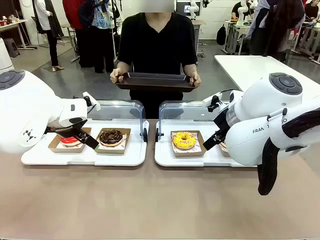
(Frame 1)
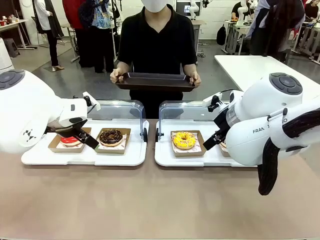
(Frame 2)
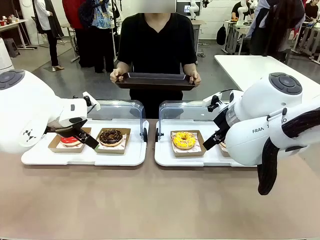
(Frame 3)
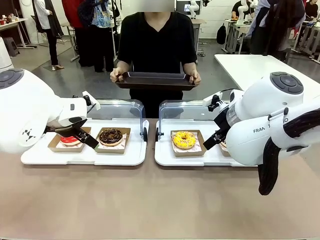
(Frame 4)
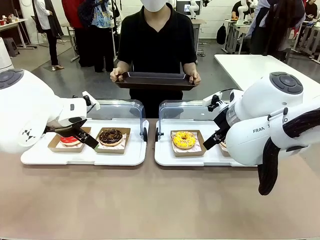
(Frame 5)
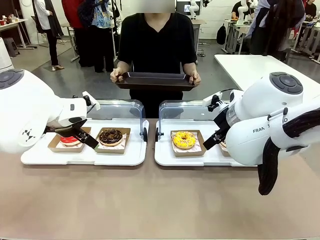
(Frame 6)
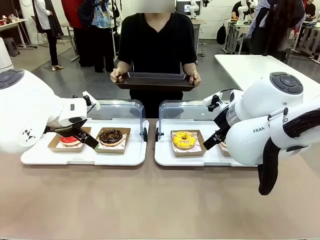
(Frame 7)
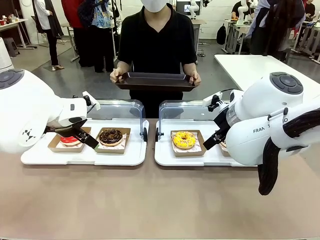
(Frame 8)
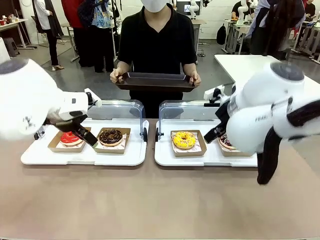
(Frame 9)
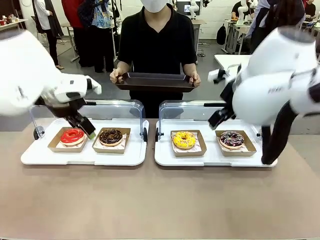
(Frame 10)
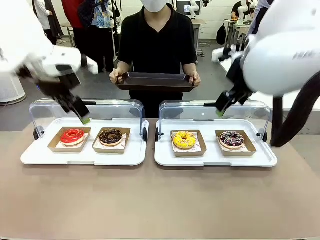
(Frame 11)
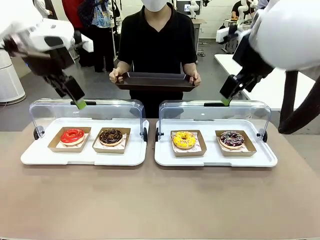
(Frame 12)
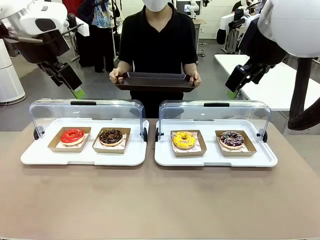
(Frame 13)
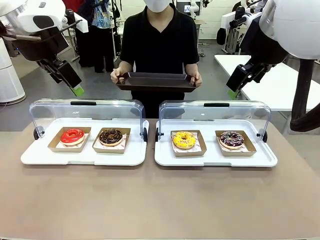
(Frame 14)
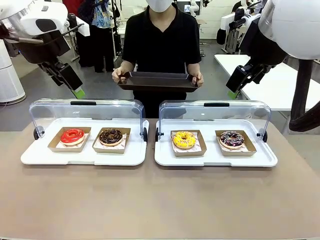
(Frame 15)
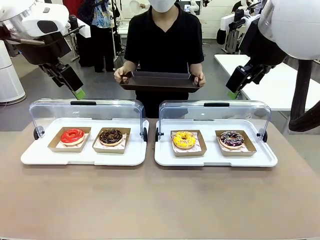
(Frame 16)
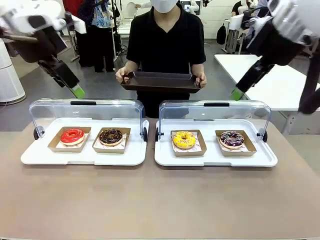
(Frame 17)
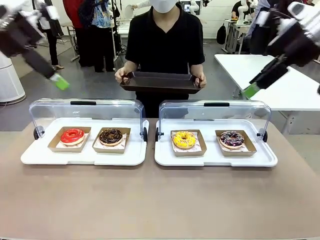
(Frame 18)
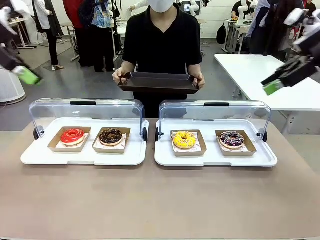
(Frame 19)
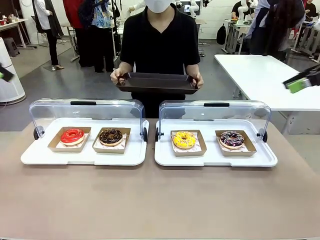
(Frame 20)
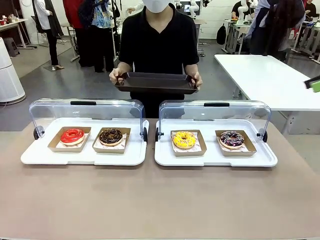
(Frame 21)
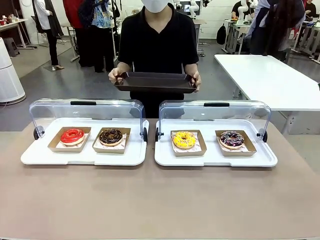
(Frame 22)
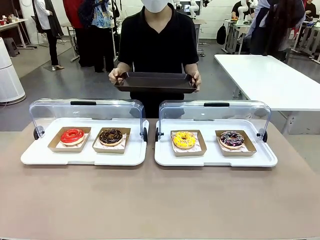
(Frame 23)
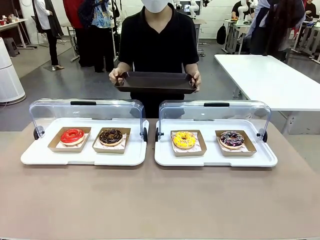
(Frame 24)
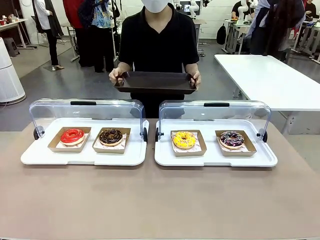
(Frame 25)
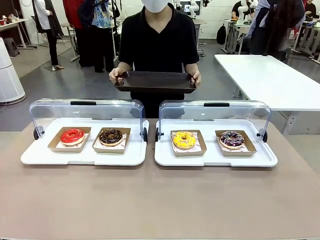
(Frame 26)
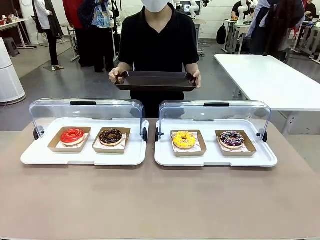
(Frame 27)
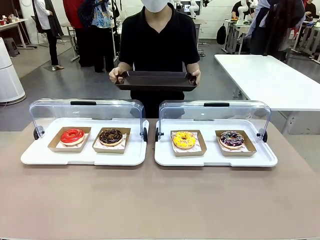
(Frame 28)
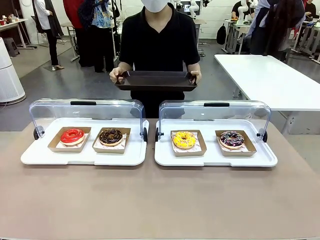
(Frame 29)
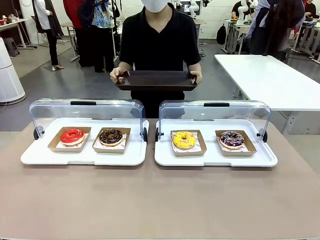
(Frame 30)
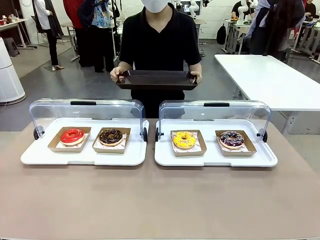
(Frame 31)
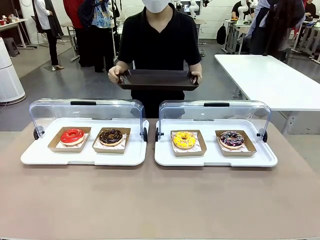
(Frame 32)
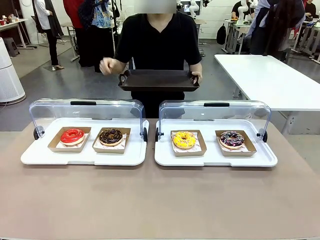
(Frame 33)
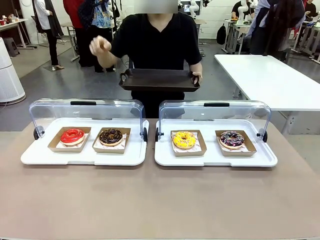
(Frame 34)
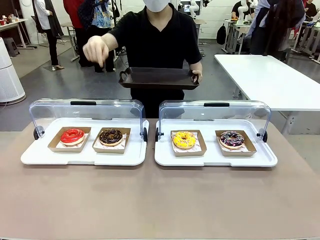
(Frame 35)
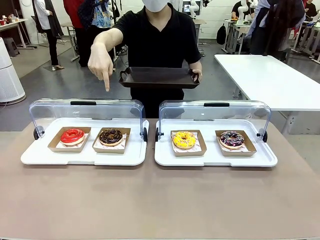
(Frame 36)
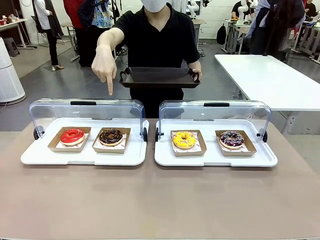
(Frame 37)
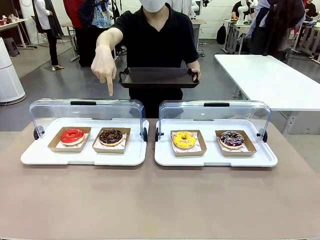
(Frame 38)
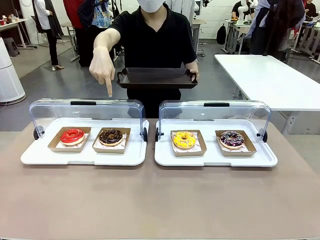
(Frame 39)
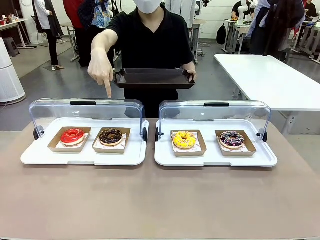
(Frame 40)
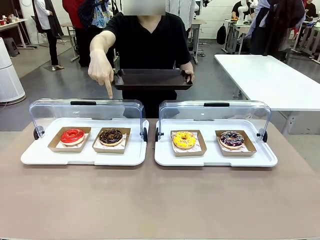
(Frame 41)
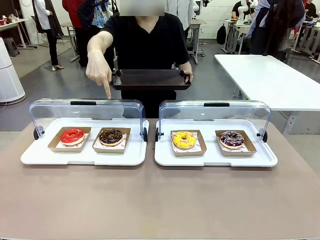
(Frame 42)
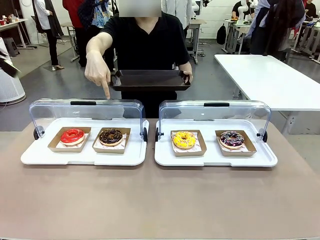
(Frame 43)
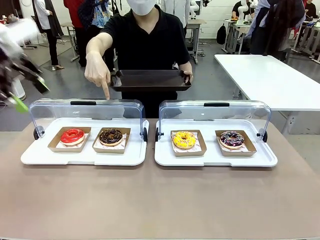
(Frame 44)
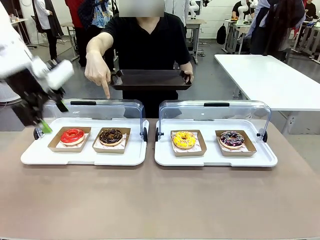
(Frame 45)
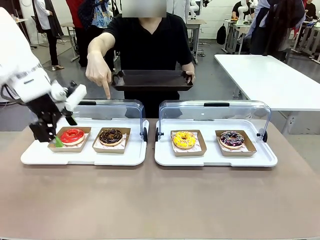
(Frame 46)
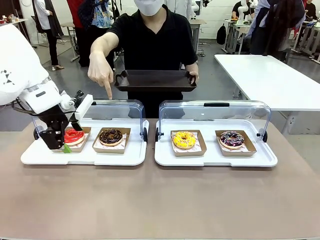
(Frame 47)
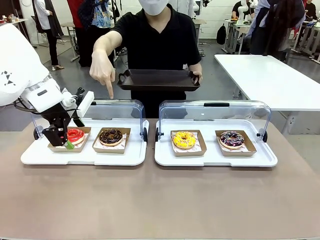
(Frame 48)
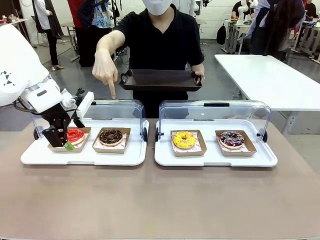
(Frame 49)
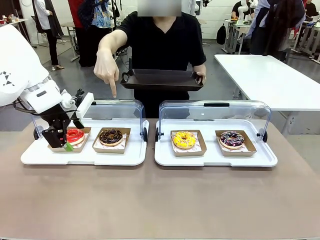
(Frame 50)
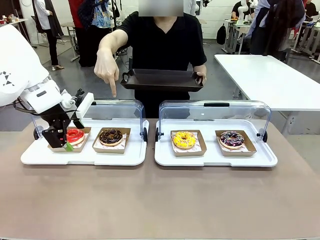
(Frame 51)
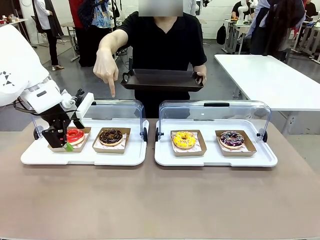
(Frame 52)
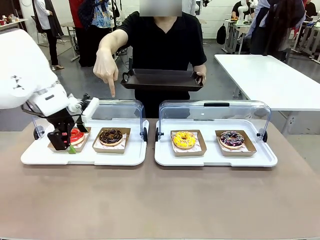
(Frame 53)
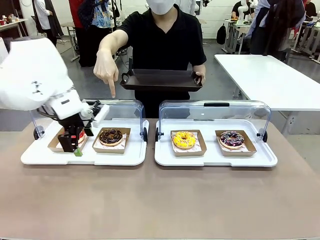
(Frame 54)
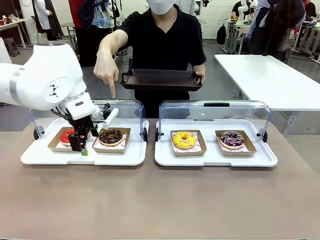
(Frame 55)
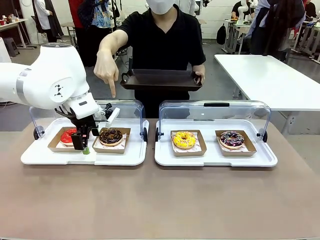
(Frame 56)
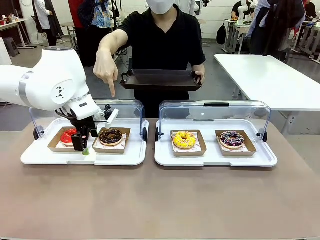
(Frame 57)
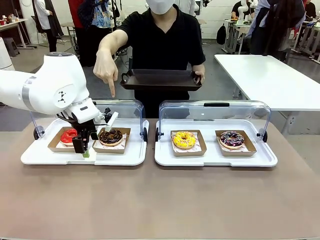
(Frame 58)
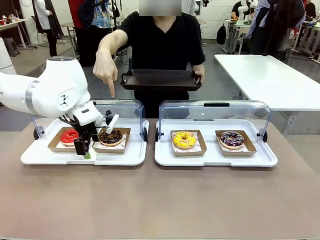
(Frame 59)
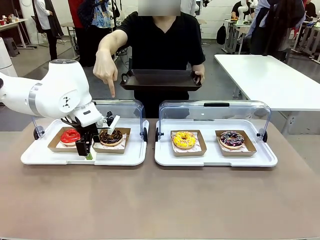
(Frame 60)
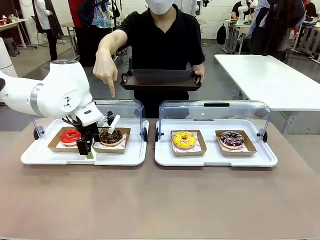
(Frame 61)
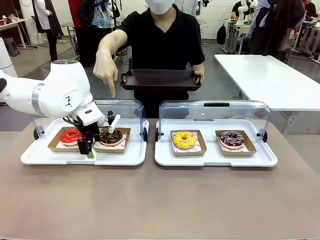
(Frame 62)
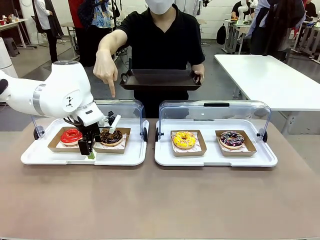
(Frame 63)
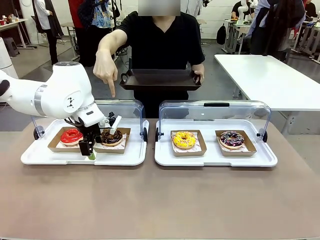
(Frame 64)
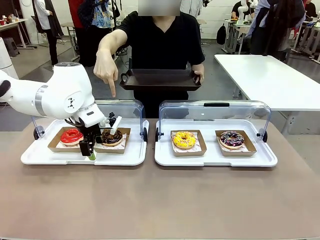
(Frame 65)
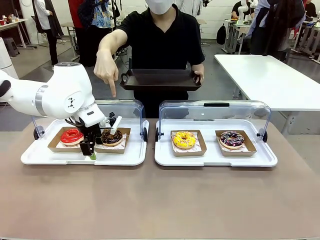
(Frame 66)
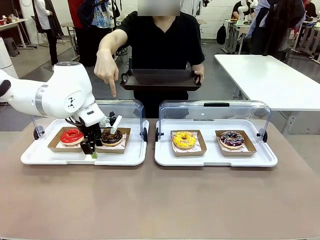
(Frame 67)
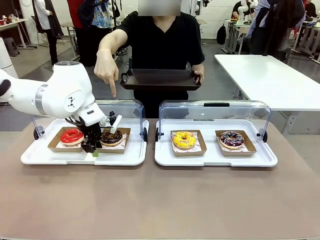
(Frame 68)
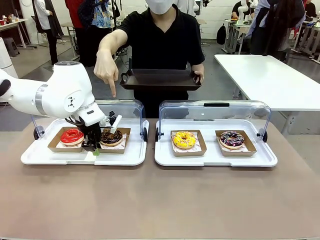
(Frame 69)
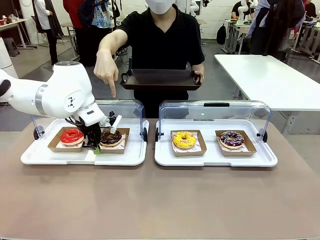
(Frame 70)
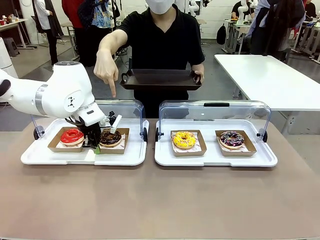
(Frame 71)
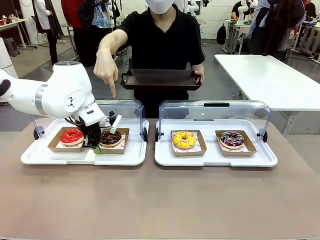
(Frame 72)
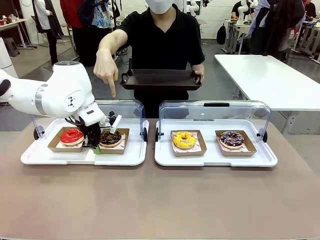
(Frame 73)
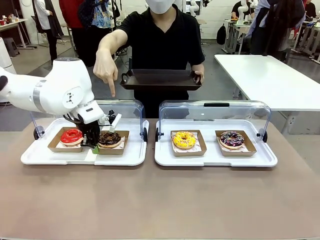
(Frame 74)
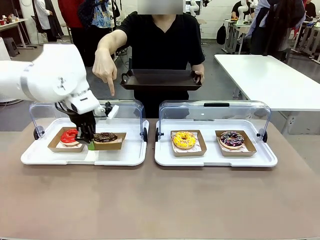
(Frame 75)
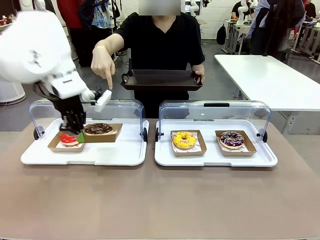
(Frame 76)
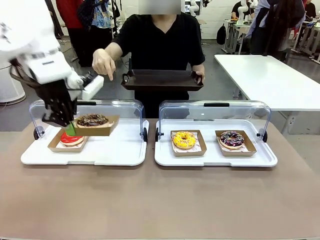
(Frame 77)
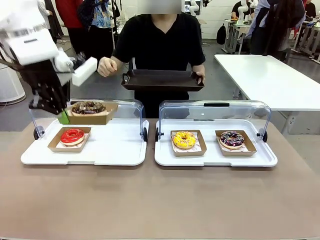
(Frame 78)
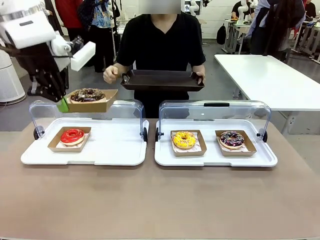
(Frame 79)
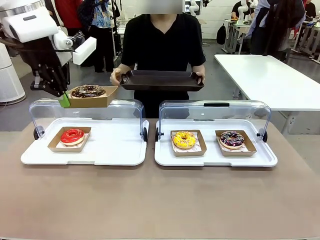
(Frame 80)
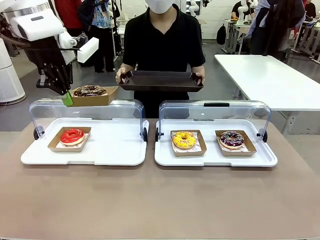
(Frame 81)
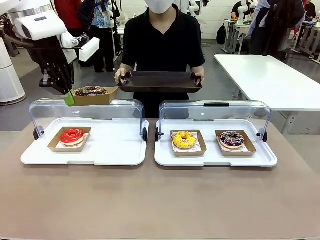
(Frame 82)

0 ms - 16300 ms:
Task: Provide the desired donut to the person.
Robot: Pick up and lift the Paper togo box containing the Donut pointed at by the person.
Person: Point to one donut. Lift the tray onto the Roll-Top Bakery Case.

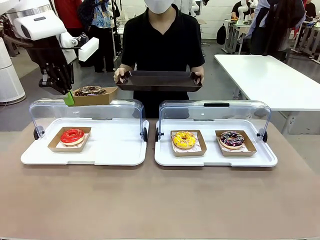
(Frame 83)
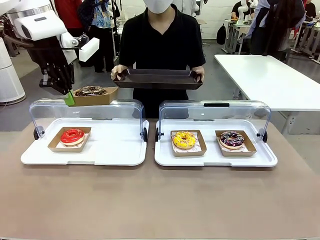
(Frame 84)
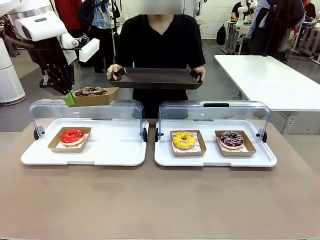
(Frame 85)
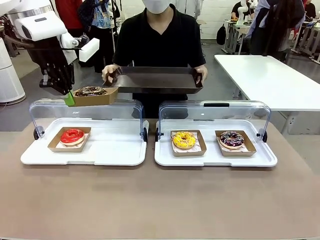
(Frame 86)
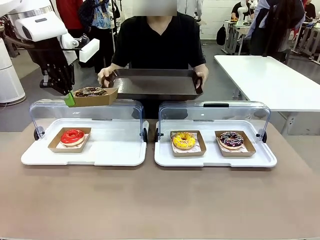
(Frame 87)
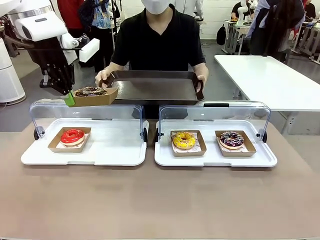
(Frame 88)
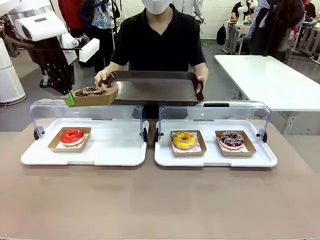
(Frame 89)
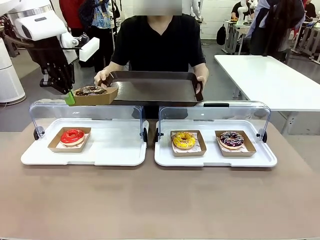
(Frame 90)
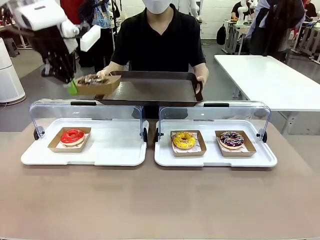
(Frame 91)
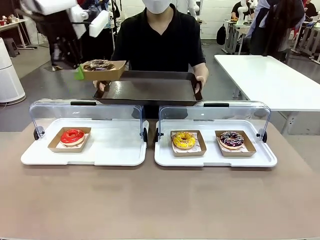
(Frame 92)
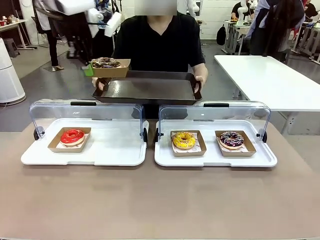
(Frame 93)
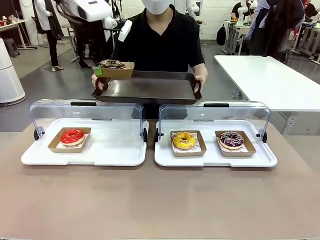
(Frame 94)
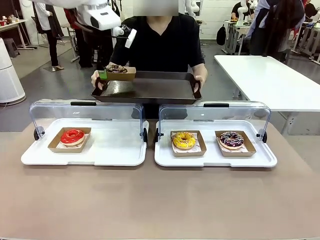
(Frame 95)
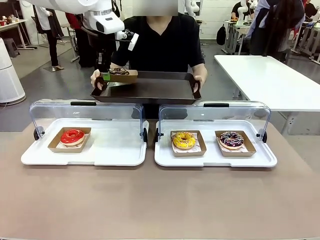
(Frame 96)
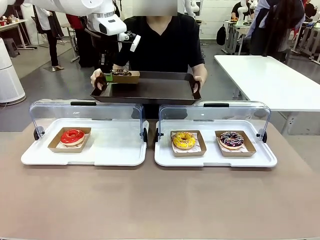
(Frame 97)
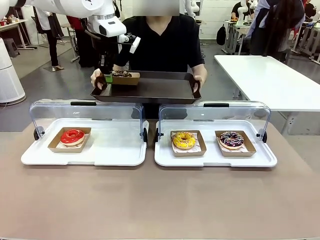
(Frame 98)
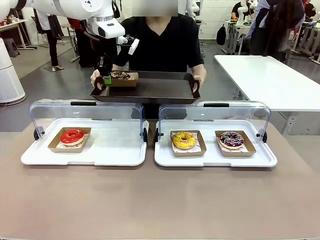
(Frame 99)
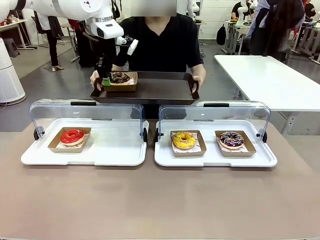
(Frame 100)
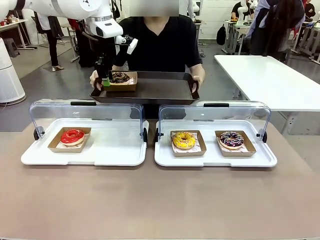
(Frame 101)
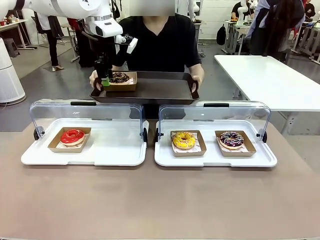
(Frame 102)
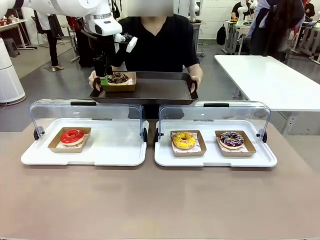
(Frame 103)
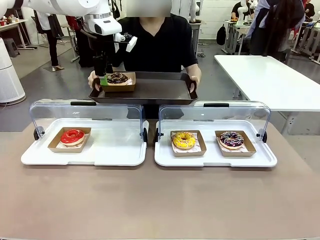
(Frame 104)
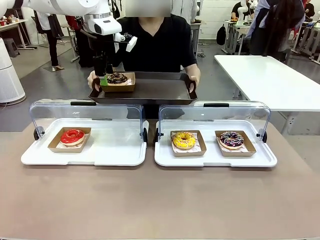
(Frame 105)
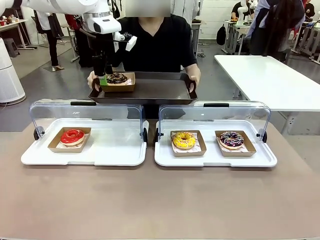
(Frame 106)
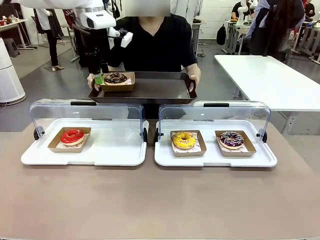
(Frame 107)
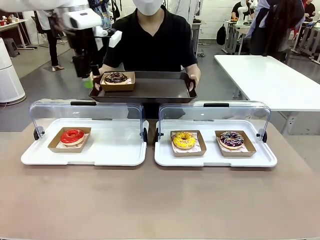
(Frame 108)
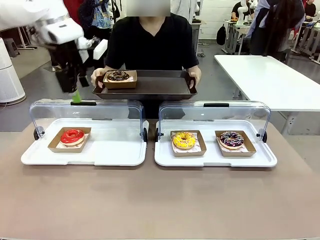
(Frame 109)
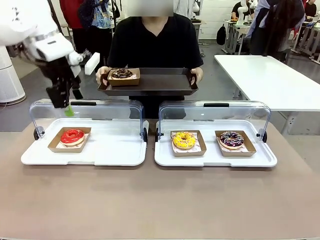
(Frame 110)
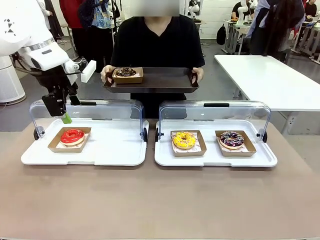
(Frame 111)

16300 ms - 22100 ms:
Robot: Place the picked Paper togo box onto the Handle tray extended by the person.
